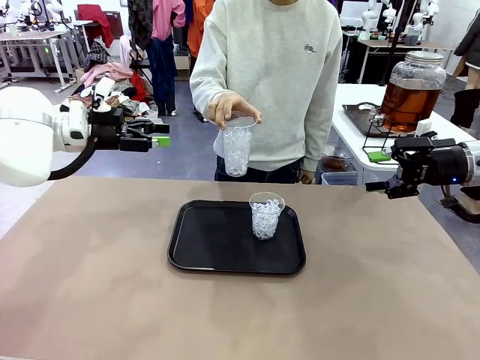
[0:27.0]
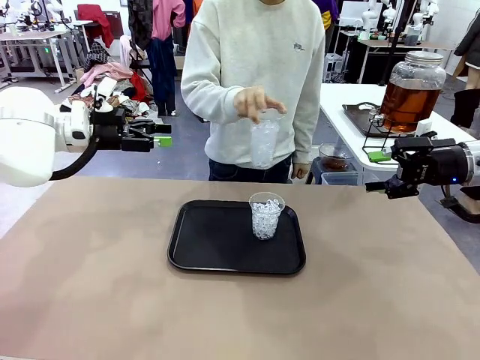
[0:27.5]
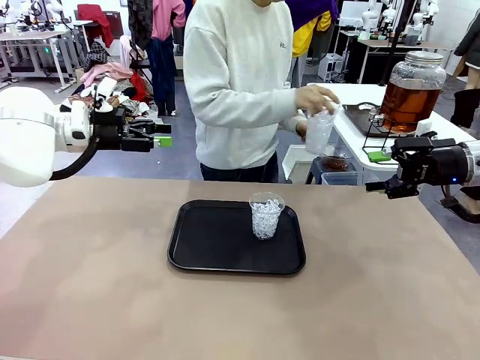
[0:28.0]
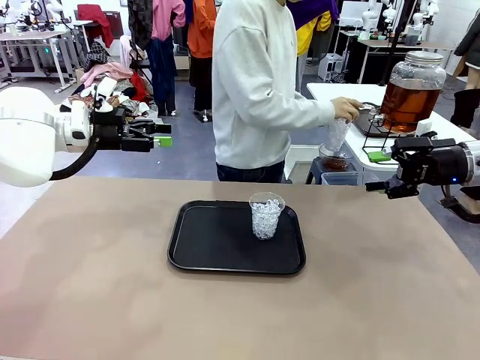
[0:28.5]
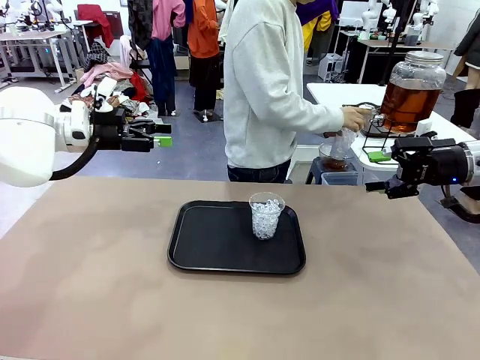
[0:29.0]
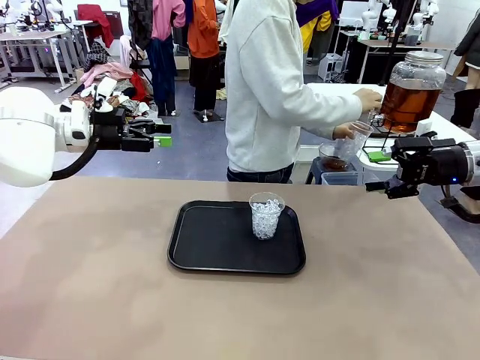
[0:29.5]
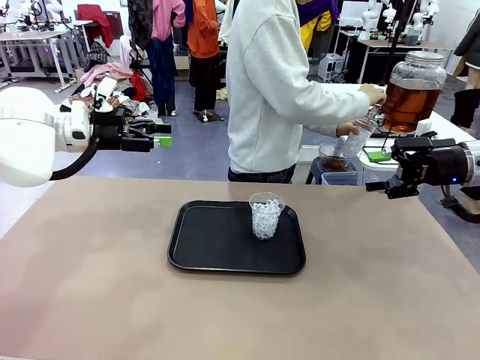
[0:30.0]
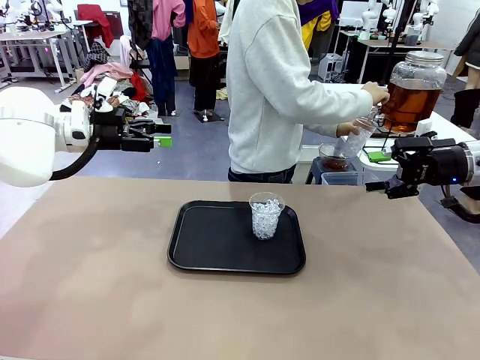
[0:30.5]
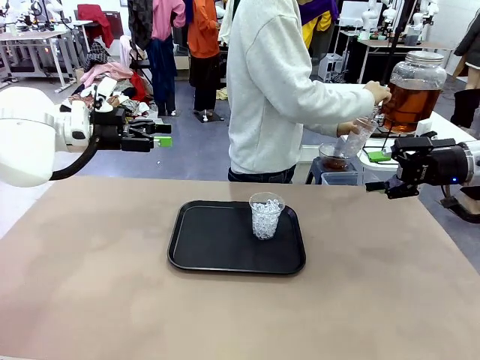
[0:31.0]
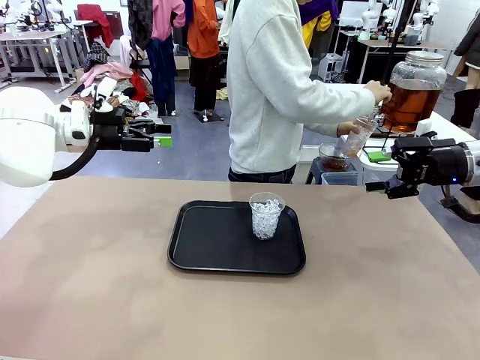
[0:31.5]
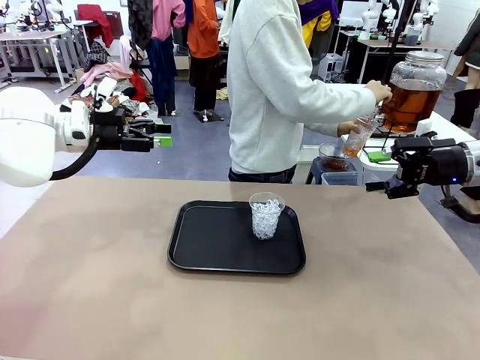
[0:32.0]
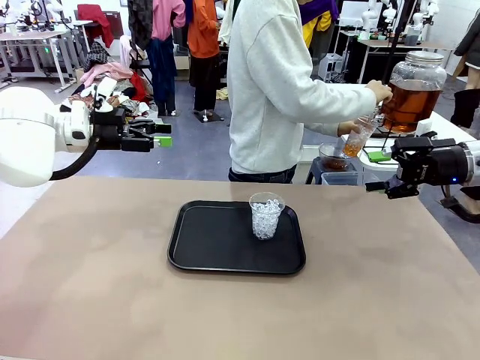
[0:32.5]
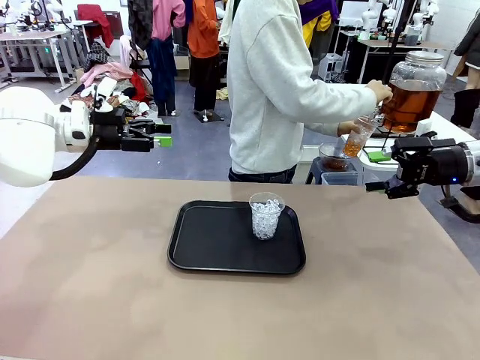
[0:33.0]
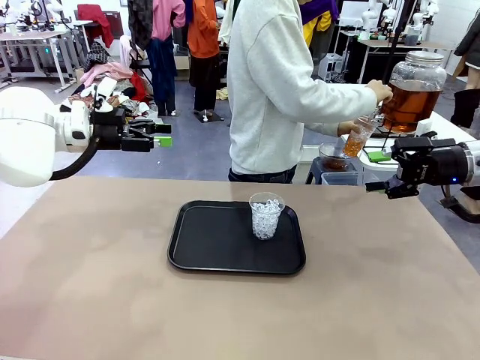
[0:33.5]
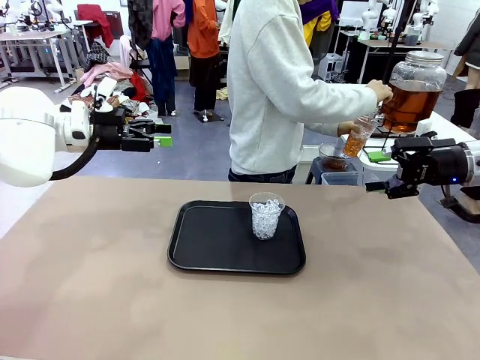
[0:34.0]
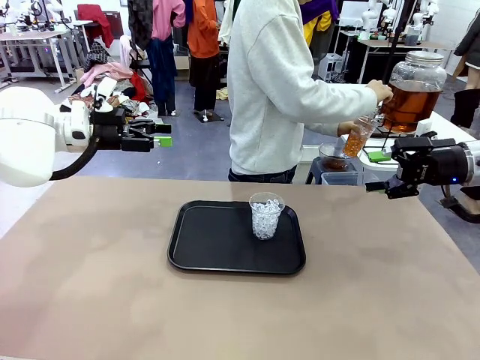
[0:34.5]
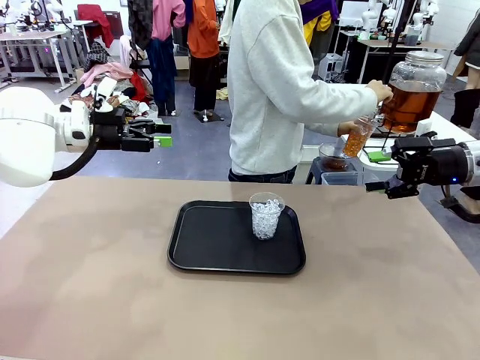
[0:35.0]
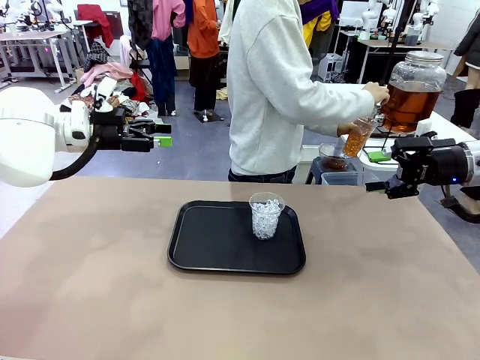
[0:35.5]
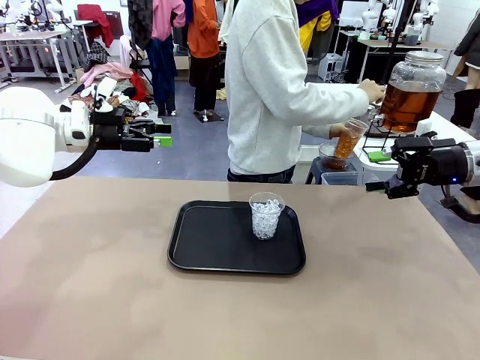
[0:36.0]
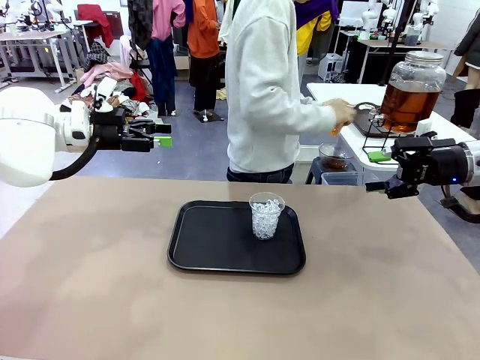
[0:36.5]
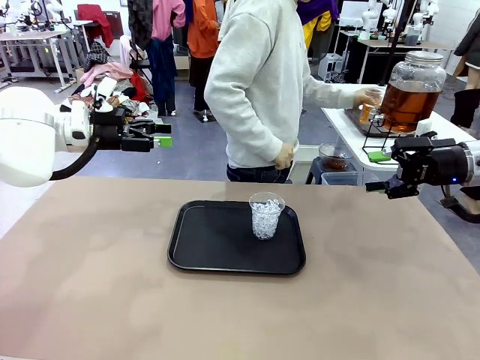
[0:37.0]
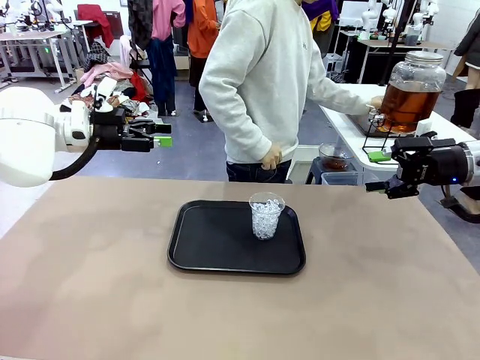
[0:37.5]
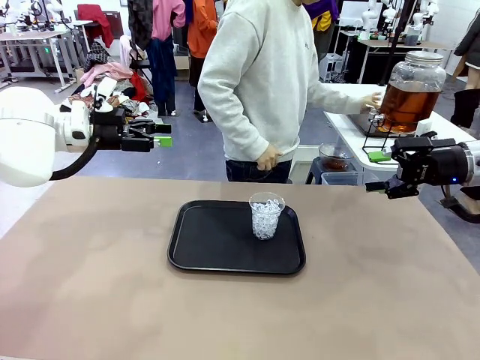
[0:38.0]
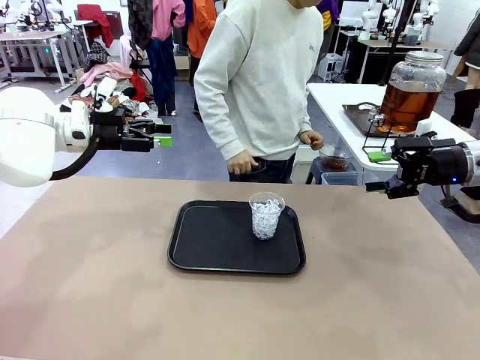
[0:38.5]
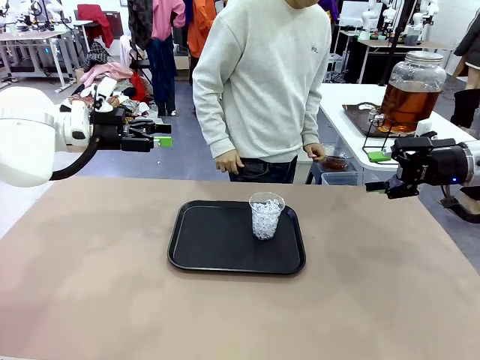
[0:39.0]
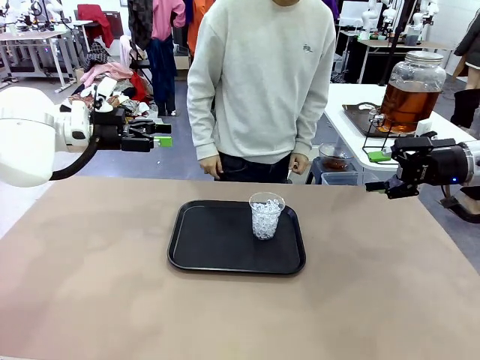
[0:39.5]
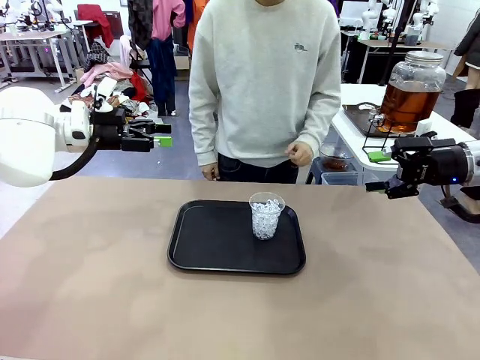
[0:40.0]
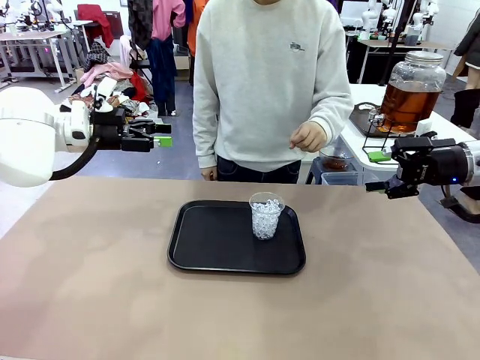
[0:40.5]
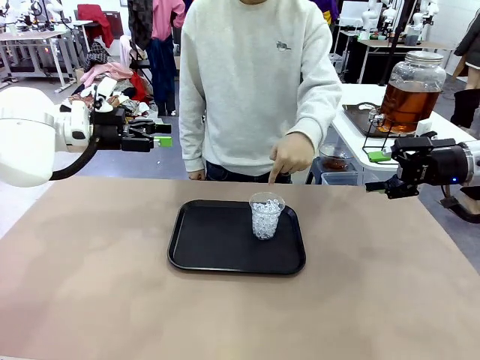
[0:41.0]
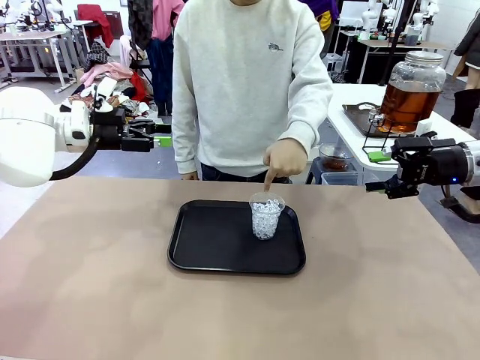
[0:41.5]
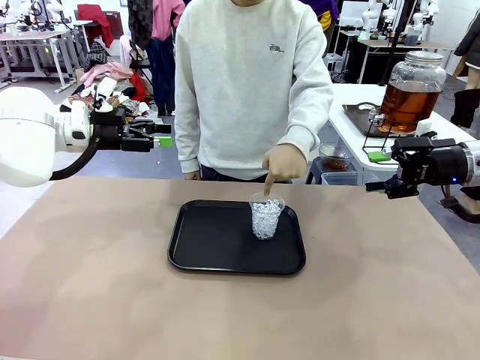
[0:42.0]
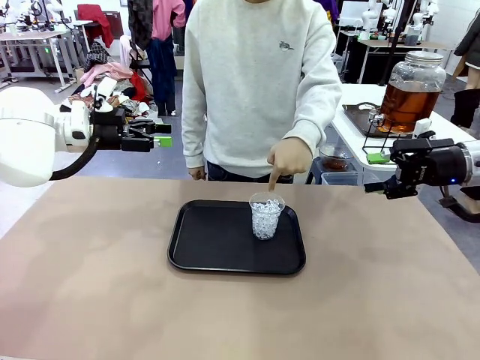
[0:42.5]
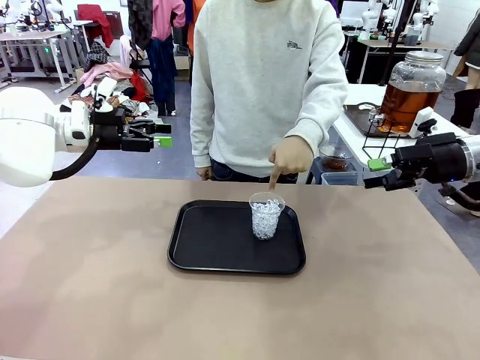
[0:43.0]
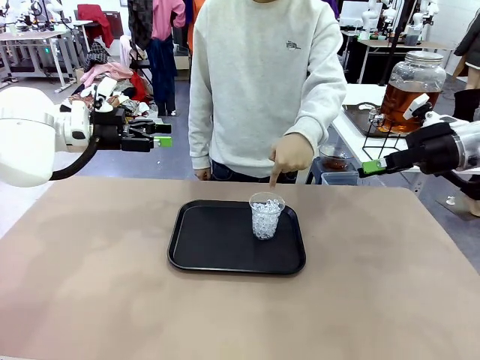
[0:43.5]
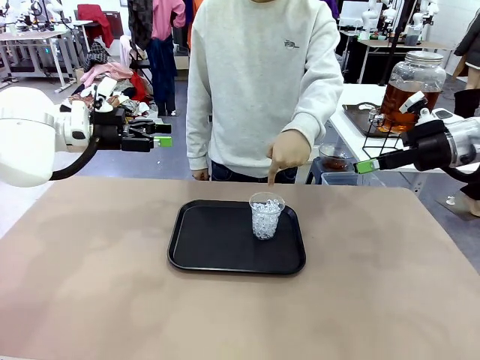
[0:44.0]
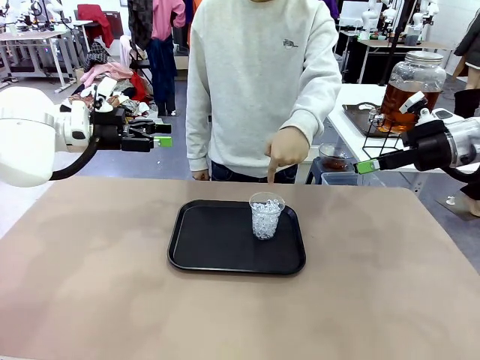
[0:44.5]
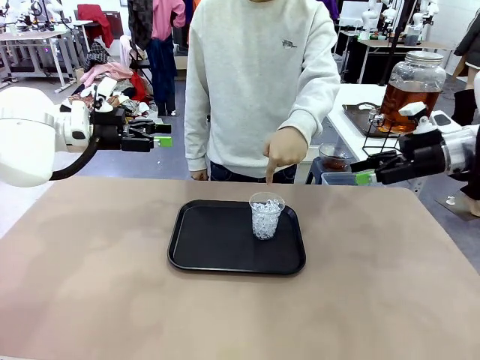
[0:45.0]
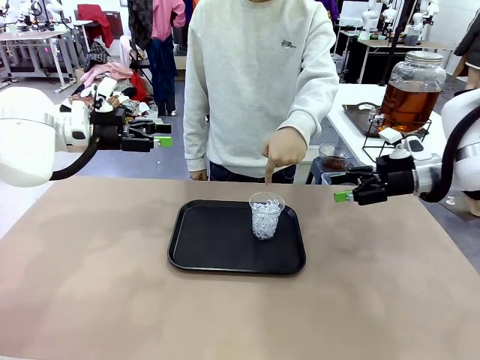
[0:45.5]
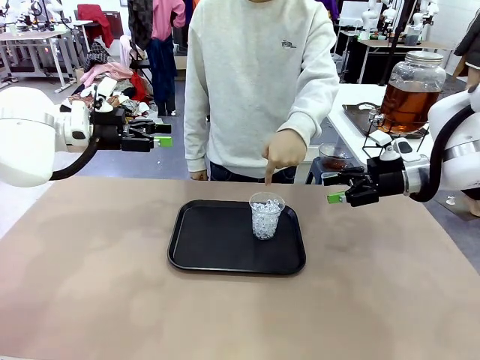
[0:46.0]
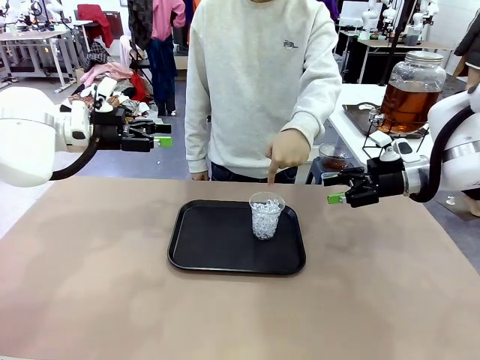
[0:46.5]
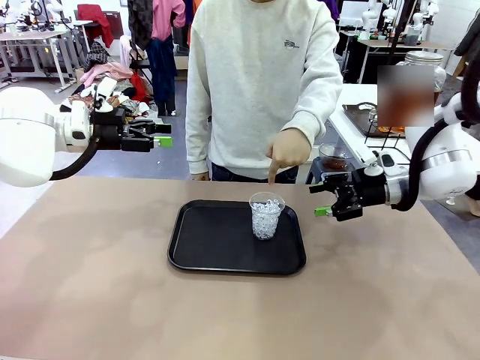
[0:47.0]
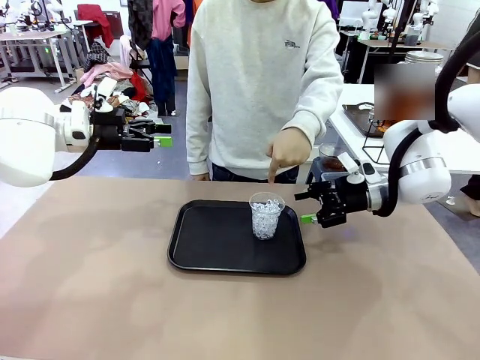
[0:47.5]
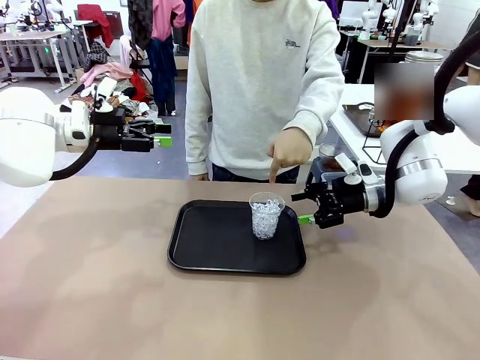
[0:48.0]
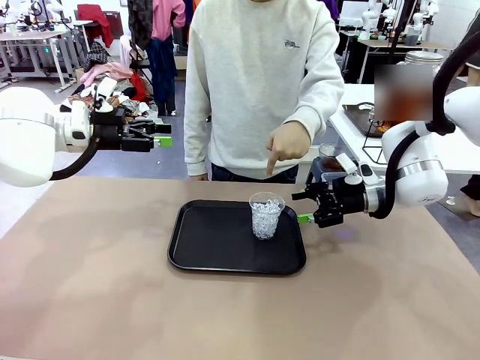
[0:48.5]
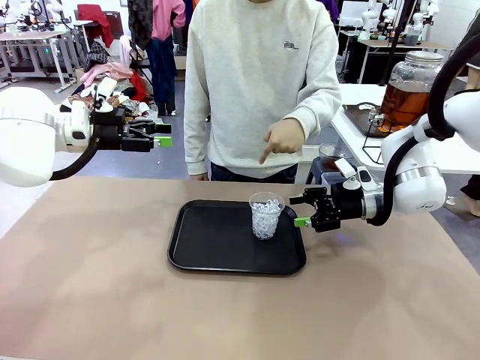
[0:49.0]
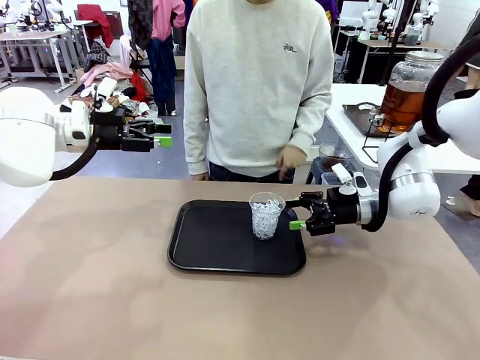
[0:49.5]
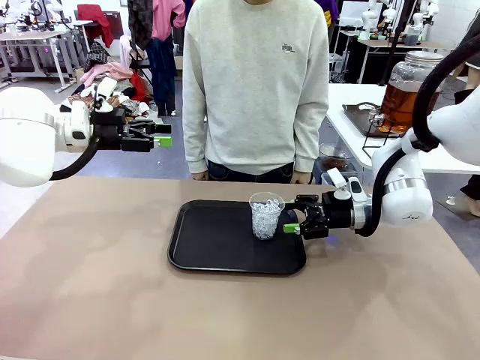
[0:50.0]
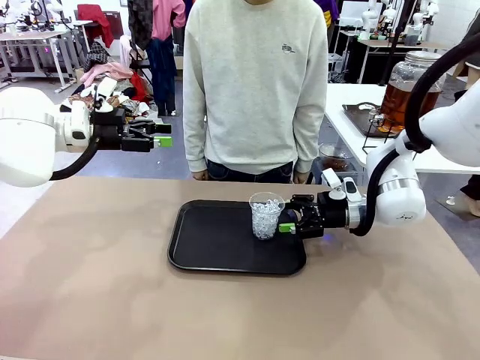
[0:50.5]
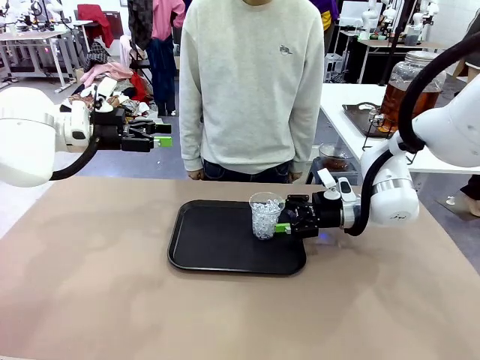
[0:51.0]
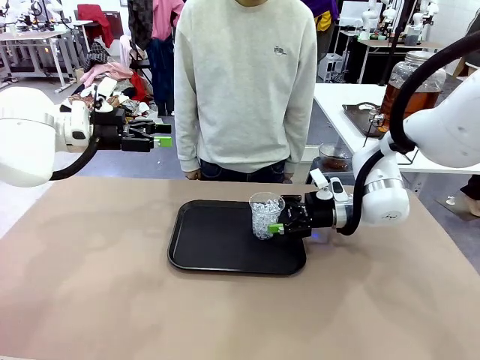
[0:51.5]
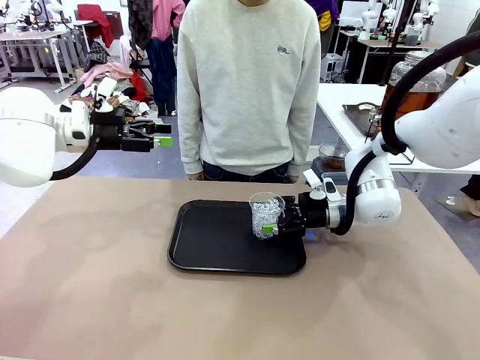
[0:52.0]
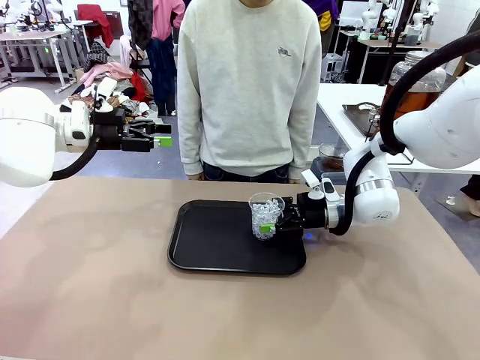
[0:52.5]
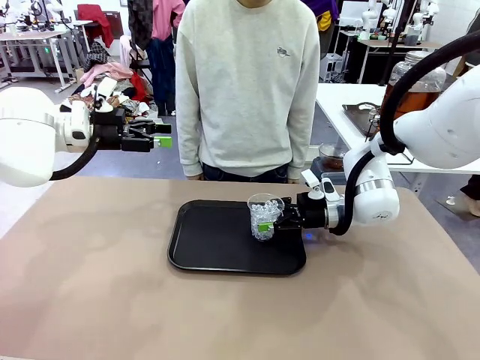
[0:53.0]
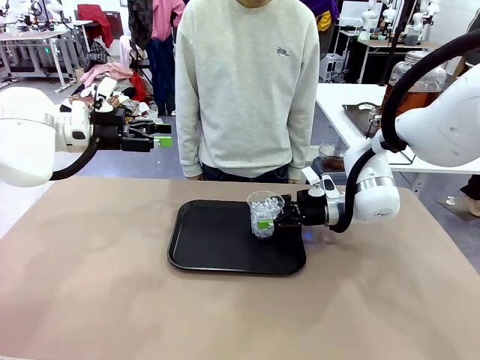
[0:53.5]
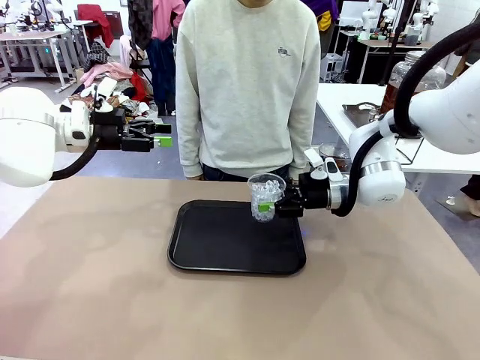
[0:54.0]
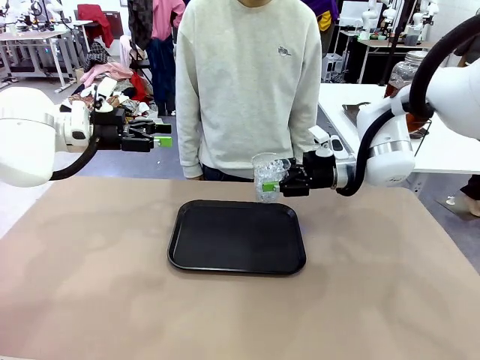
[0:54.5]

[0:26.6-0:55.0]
Task: Pour the drink into the iced cup.
Robot: Pick up the iced cup indicated by the human and present it to them.
Person: Move the picked-up cup under the dispenser faucet, pour the drink, and place it on the tray on the human table. Point to the remaining ice cup on the robot table. Pick up the cup offered by the robot.
